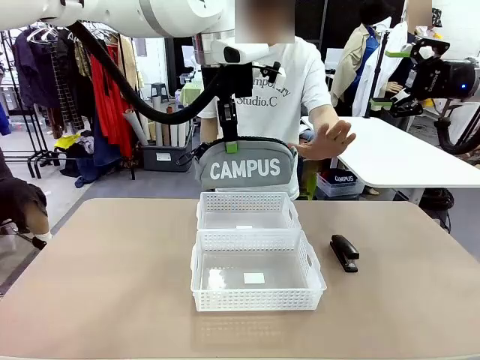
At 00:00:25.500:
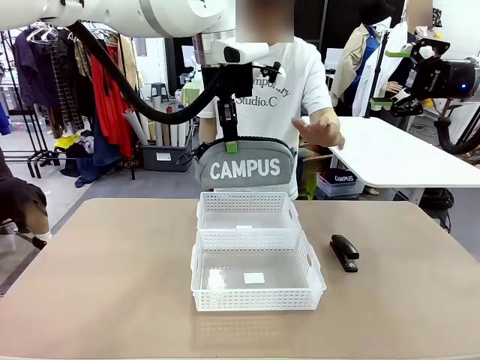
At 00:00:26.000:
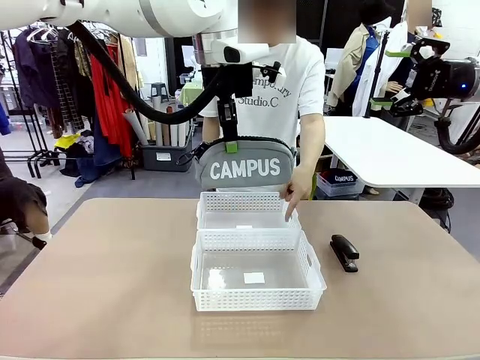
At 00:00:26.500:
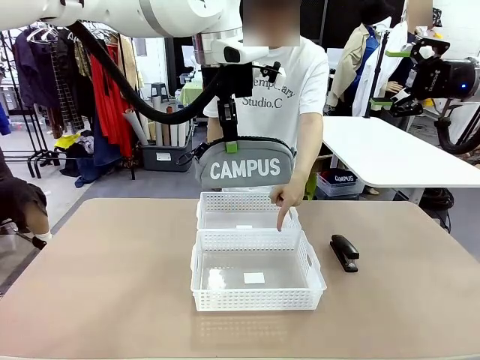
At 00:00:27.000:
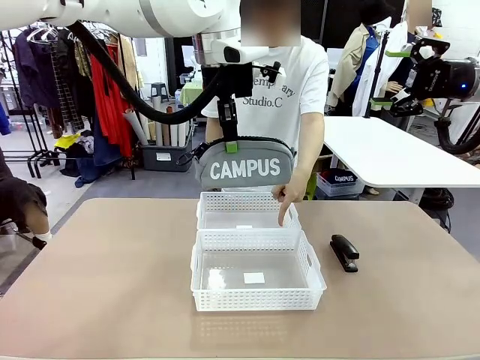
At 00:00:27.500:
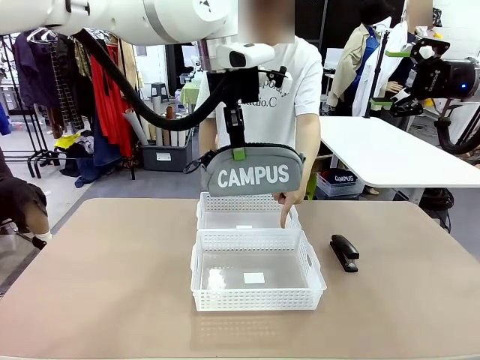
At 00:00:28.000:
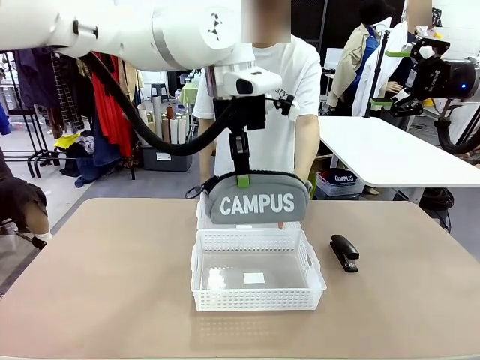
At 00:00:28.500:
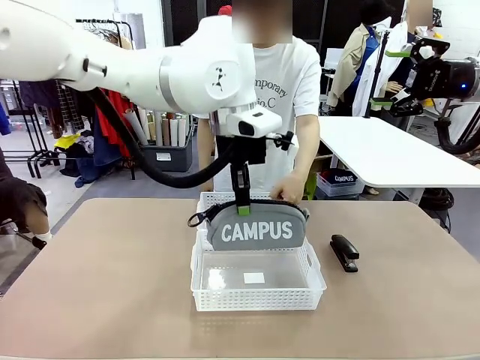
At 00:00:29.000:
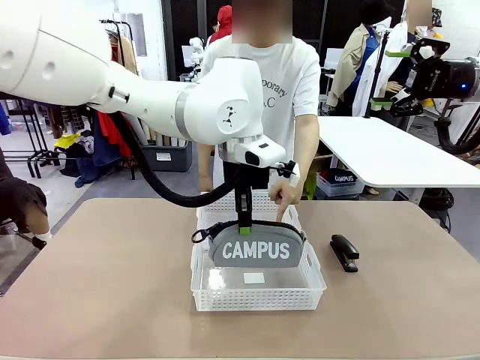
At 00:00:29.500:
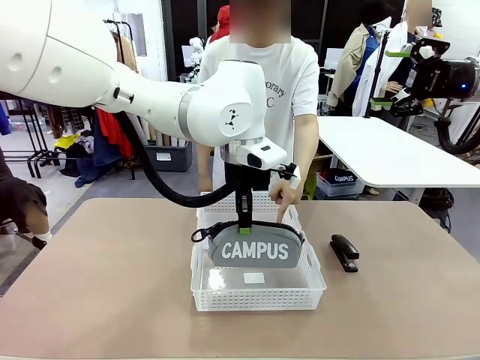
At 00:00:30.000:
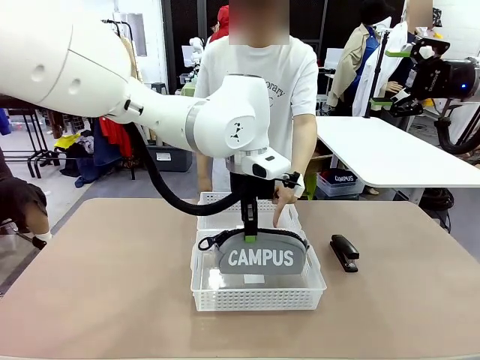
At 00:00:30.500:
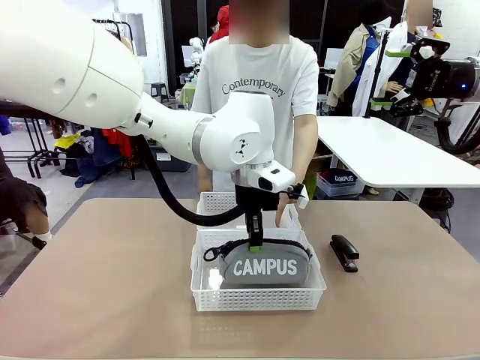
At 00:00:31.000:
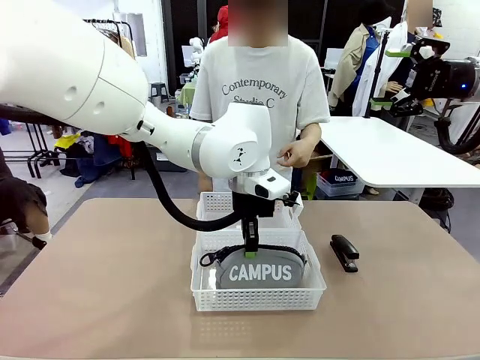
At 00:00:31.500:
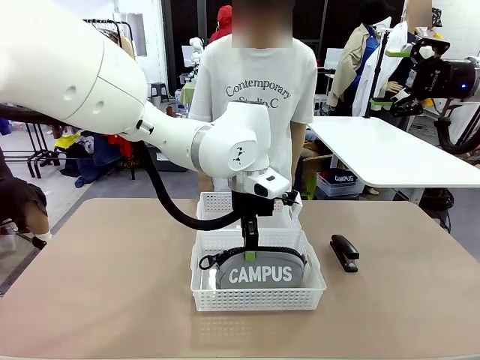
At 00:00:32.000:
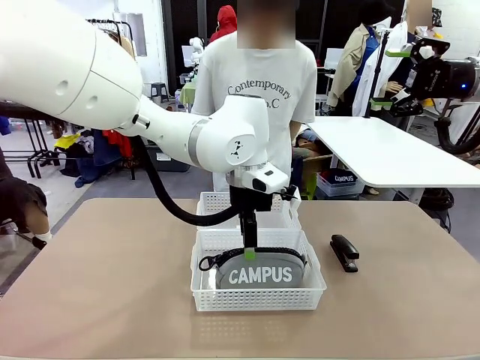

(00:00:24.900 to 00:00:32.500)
Task: Distribute items into two baskets.
Robot: Place the picked Pencil pouch into the Organizing basket as instructed by the person.
Person: Instructs the robot to place the pencil case into the opposite basket. Points to the stapler.

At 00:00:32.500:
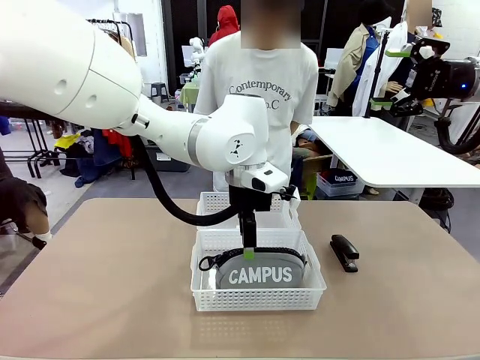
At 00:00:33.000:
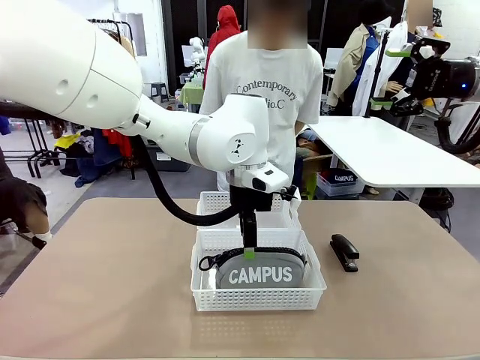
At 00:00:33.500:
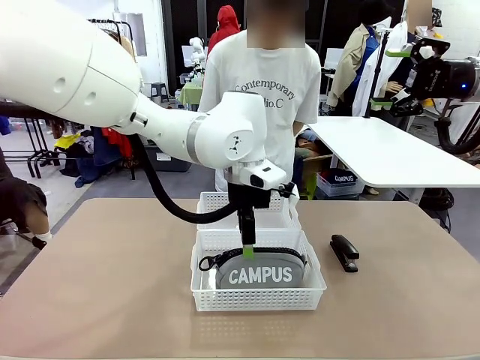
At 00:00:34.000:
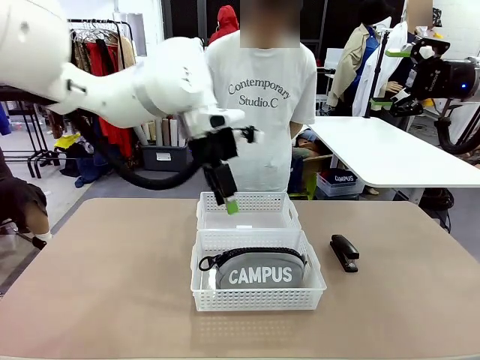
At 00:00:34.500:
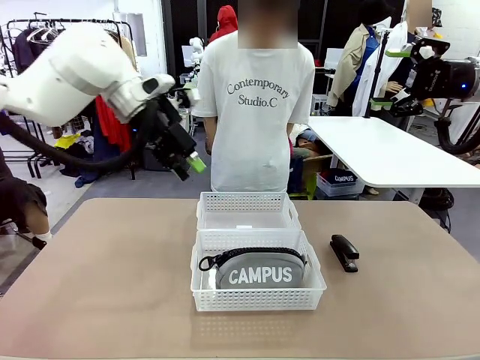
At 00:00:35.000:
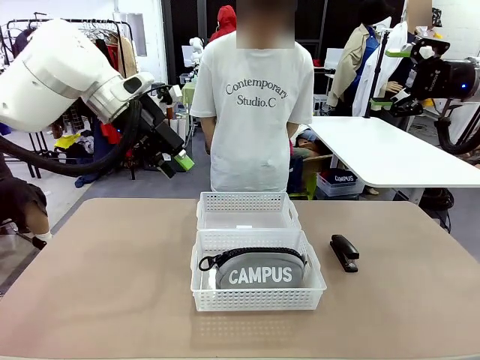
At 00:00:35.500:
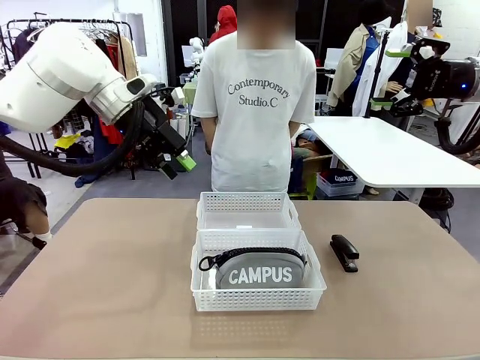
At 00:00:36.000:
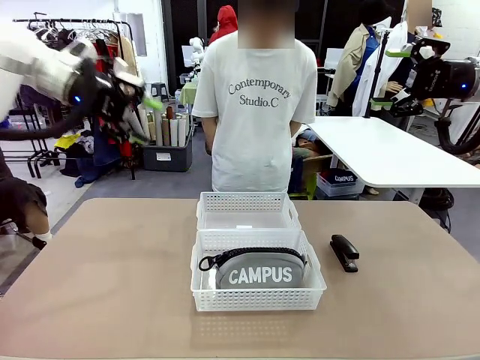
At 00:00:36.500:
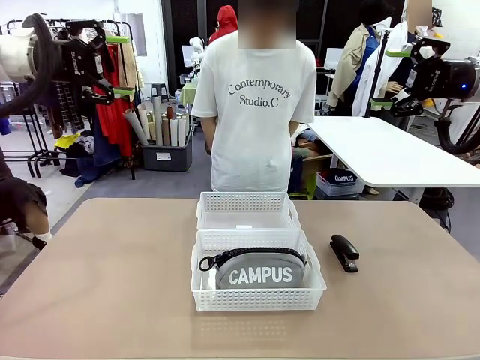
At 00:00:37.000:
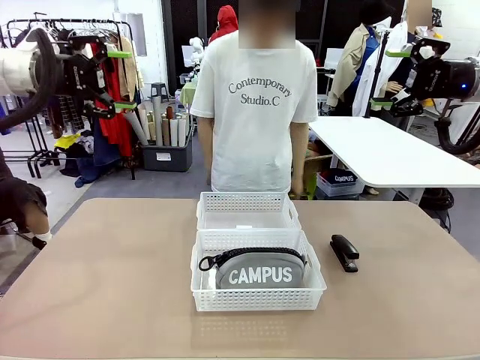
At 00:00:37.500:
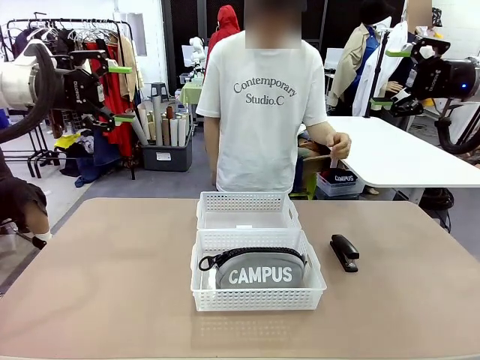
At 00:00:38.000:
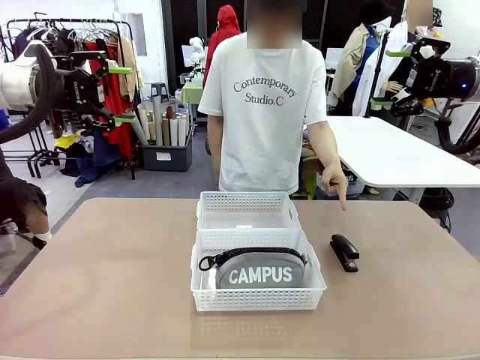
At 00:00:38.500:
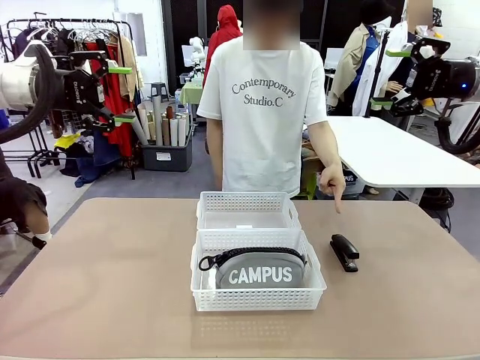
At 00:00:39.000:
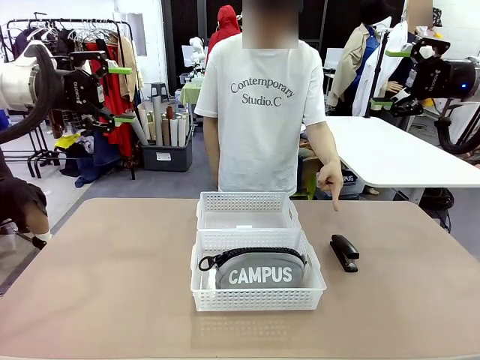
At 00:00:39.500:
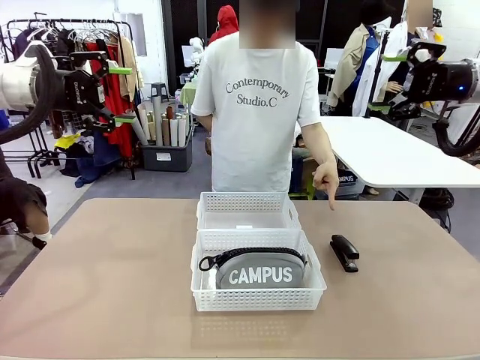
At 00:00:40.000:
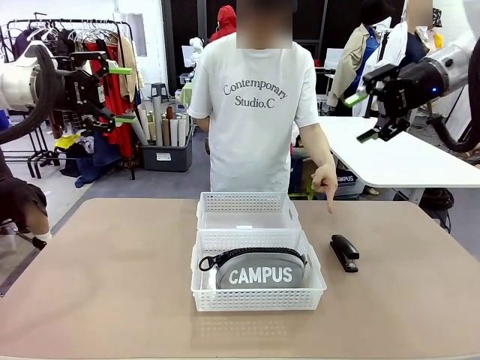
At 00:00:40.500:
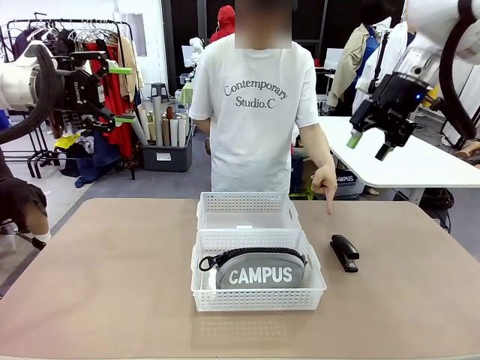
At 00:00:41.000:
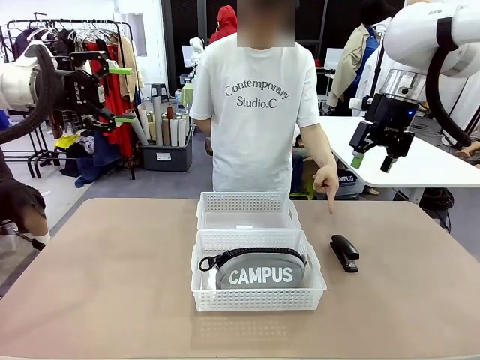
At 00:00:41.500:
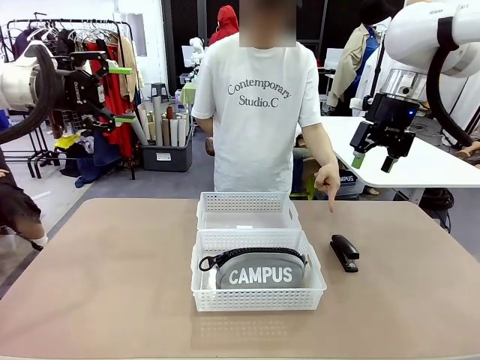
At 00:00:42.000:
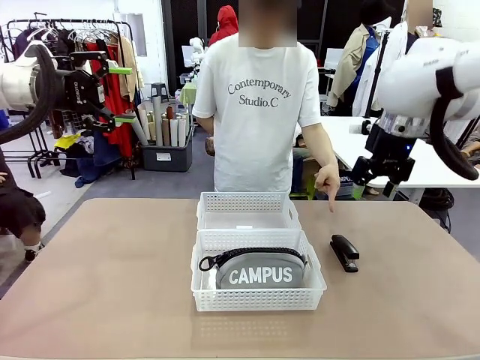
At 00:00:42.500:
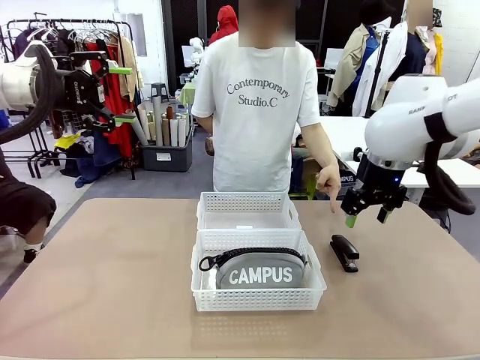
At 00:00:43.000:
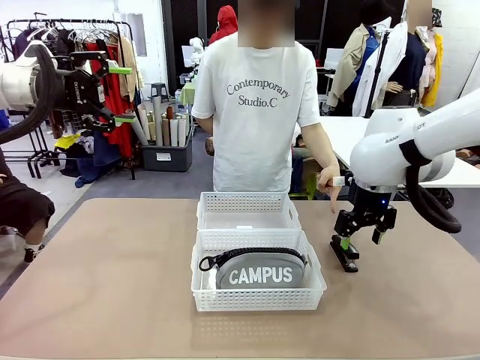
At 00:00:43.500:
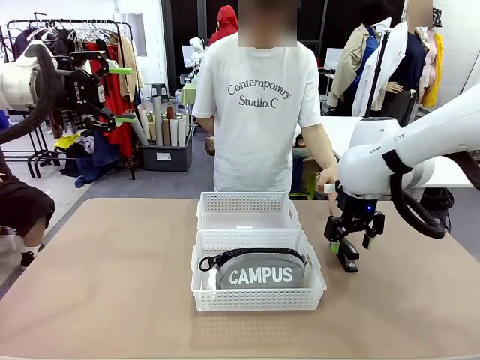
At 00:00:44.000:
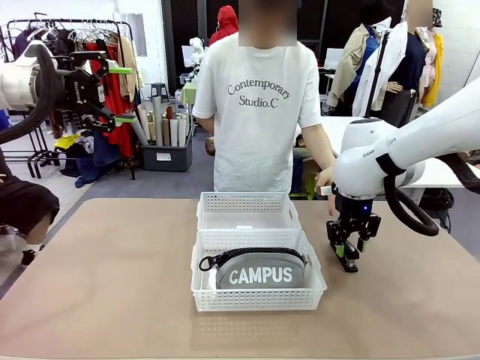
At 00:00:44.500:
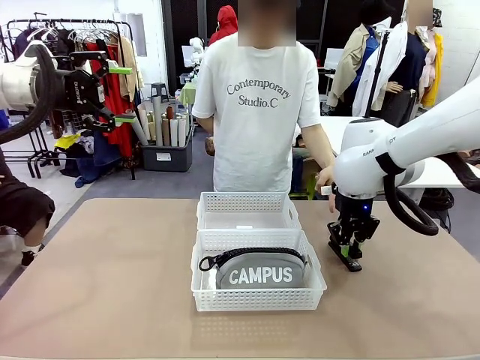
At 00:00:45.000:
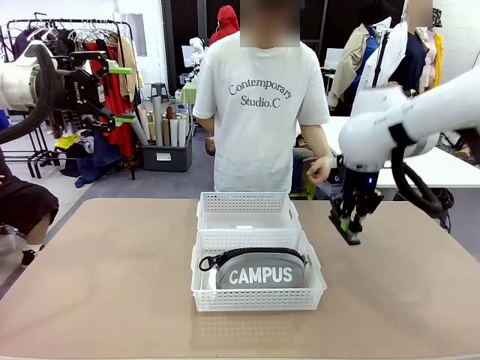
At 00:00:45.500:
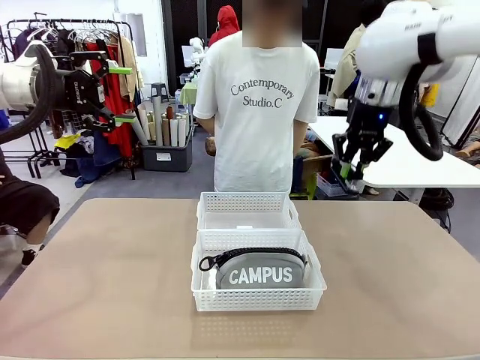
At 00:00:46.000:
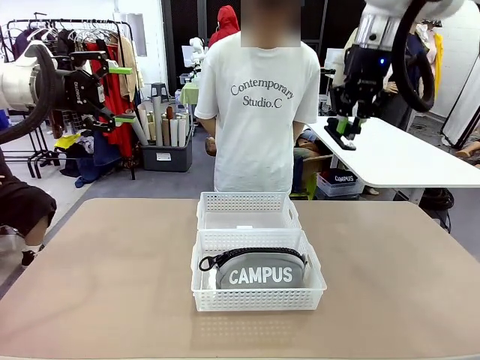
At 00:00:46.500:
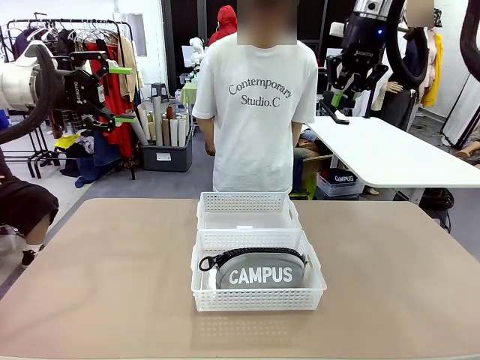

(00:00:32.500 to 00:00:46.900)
Robot: Pick up the Stapler that the person points to.

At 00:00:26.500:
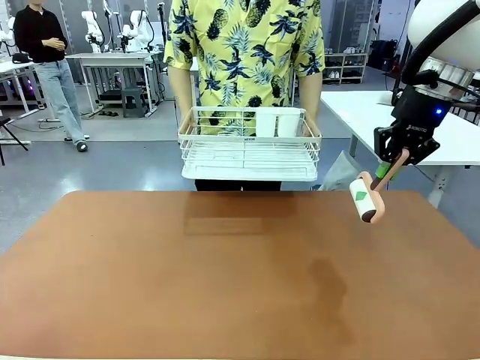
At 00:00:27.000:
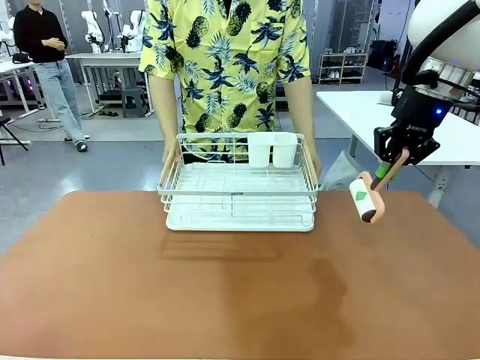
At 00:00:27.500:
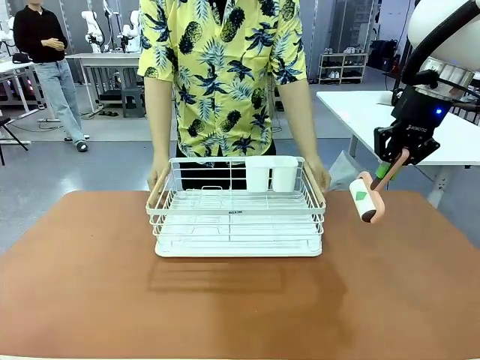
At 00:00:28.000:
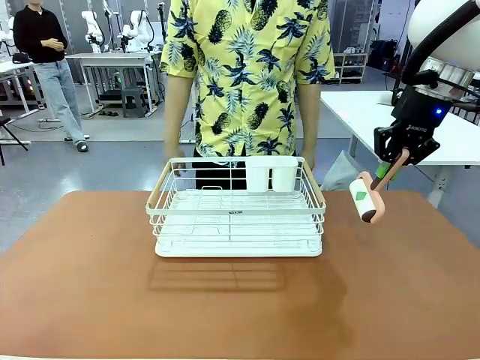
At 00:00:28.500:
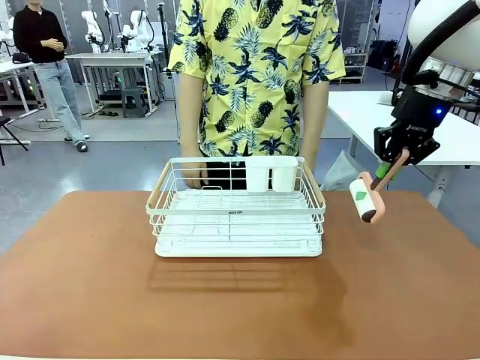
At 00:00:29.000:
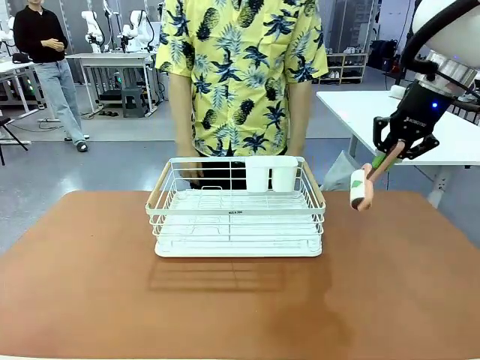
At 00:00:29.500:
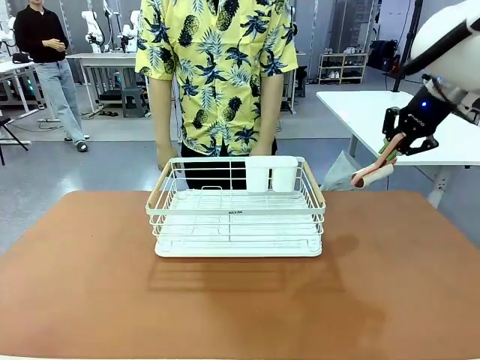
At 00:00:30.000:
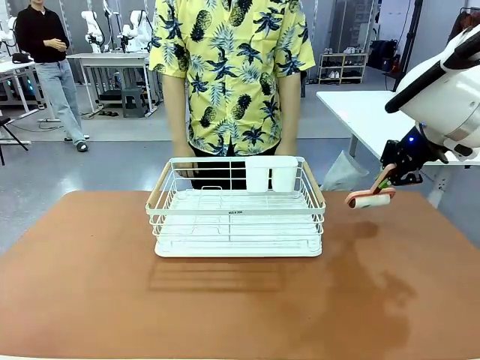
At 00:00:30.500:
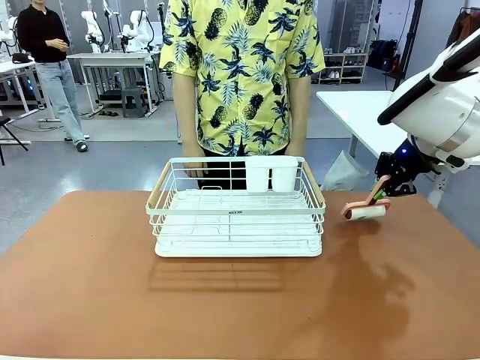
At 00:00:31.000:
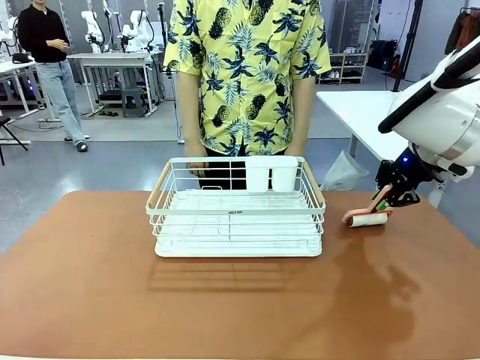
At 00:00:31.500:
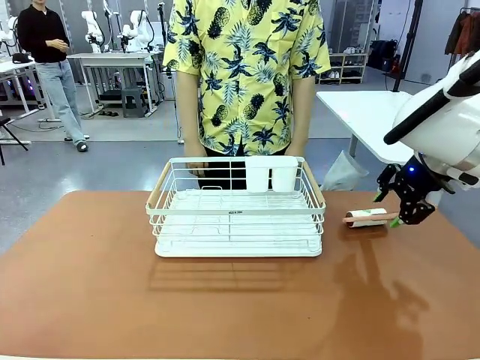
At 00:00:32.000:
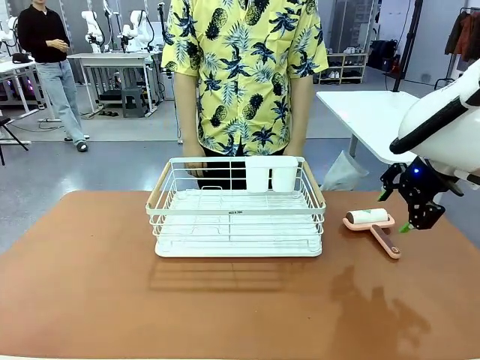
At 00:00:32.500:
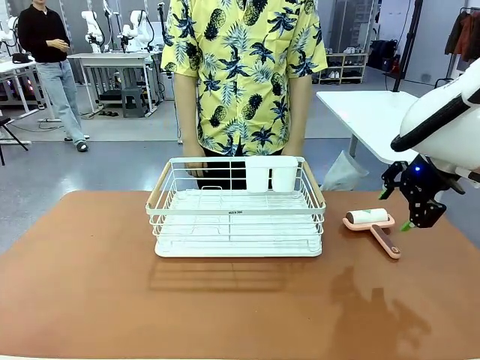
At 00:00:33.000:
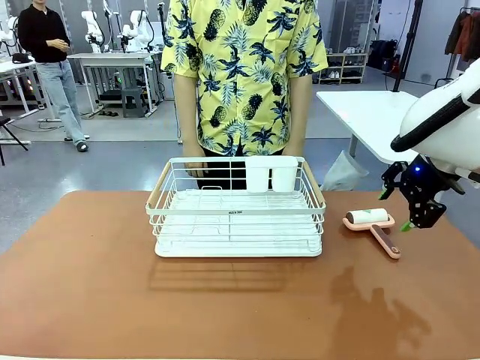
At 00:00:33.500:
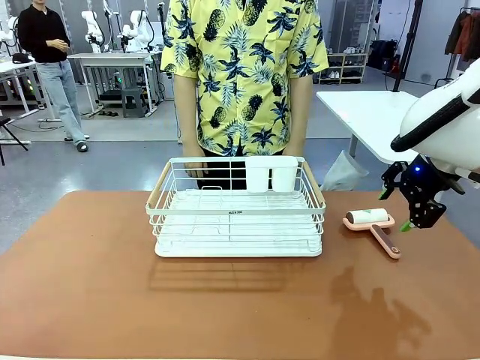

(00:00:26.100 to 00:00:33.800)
Task: Clean the table.
Robot: Place the Lint Roller down when the Dish drying rack is positioned in the middle of the table.
